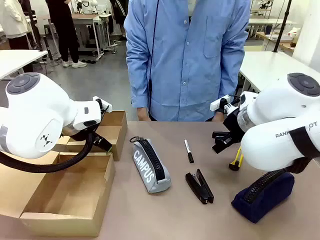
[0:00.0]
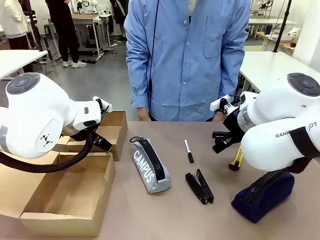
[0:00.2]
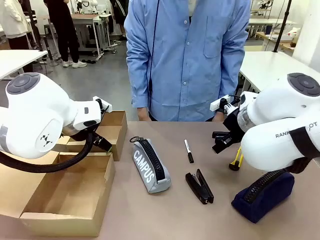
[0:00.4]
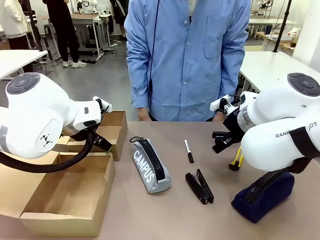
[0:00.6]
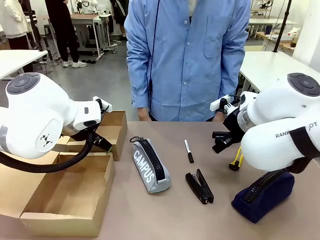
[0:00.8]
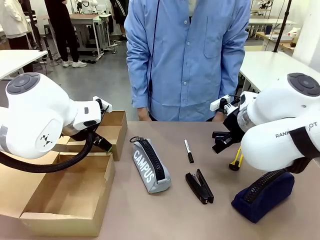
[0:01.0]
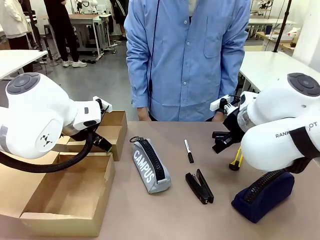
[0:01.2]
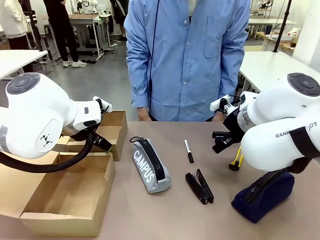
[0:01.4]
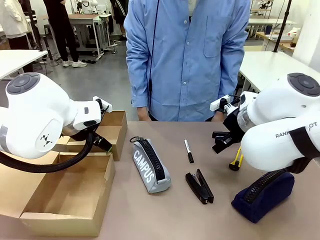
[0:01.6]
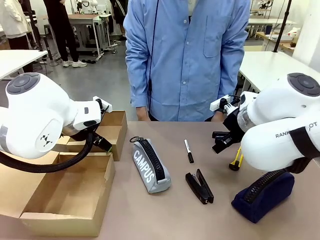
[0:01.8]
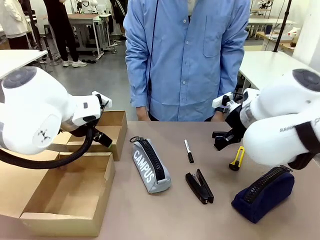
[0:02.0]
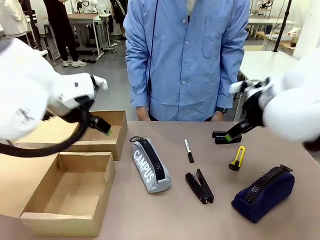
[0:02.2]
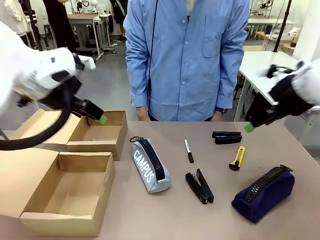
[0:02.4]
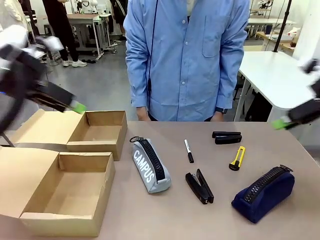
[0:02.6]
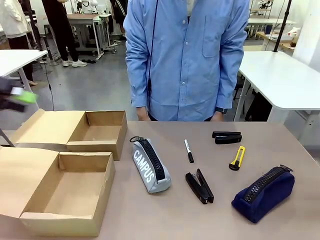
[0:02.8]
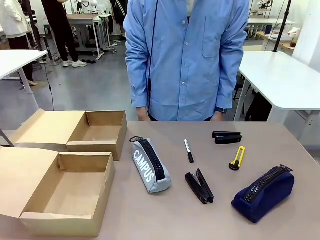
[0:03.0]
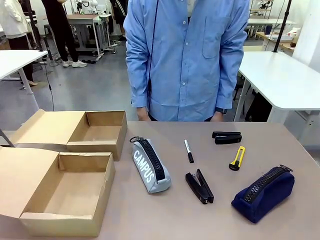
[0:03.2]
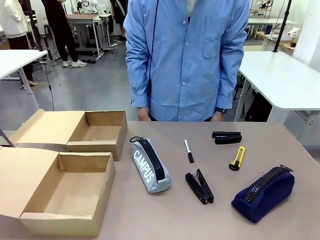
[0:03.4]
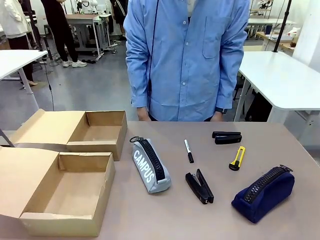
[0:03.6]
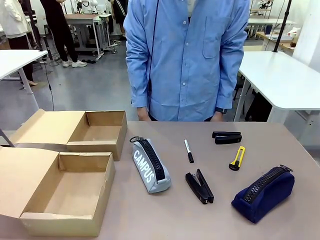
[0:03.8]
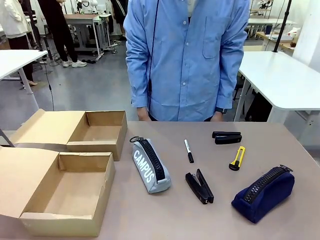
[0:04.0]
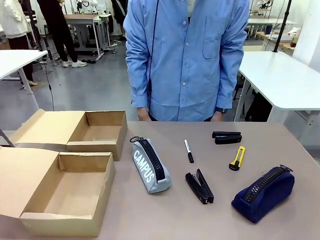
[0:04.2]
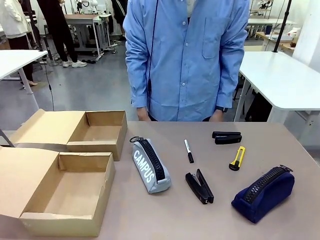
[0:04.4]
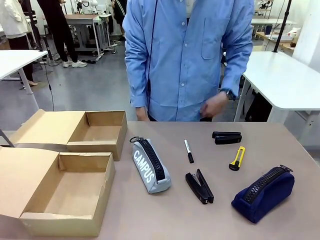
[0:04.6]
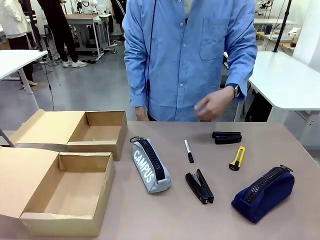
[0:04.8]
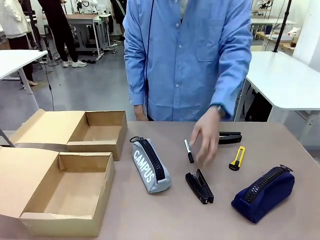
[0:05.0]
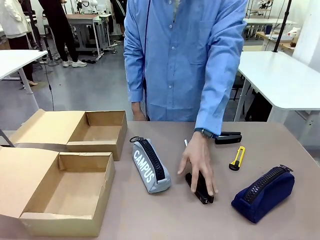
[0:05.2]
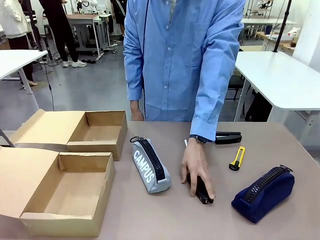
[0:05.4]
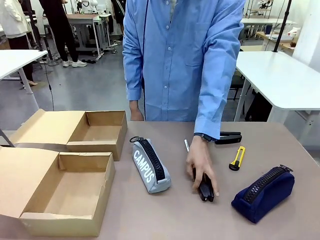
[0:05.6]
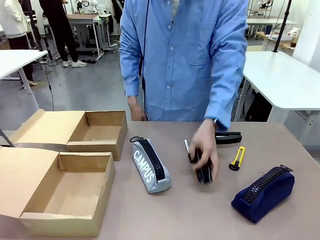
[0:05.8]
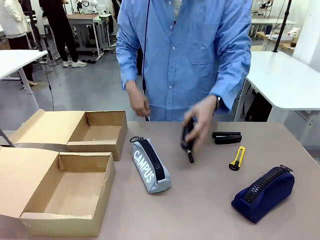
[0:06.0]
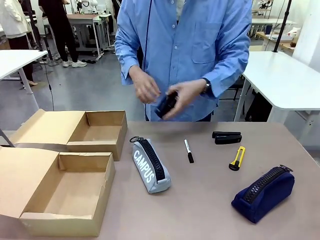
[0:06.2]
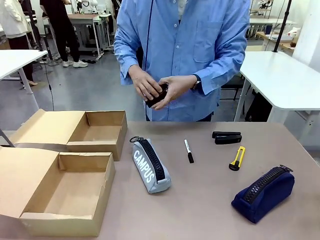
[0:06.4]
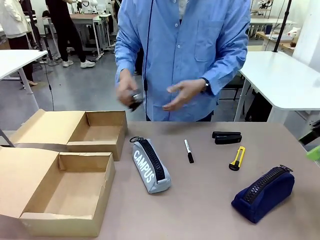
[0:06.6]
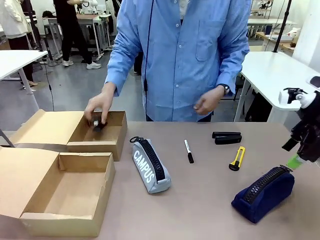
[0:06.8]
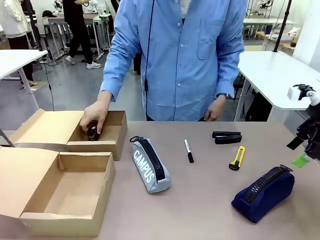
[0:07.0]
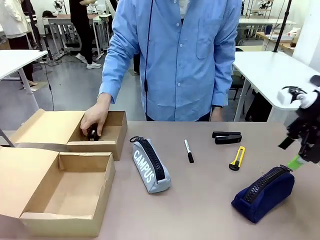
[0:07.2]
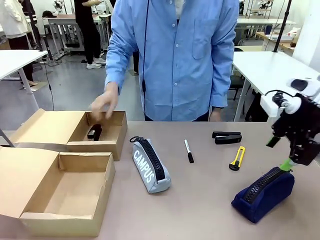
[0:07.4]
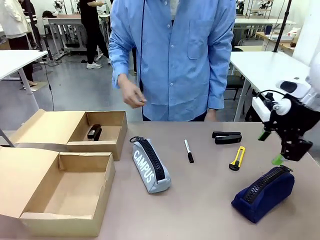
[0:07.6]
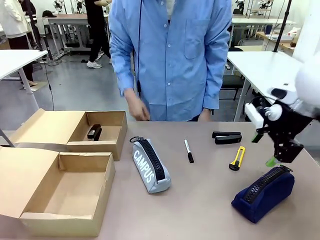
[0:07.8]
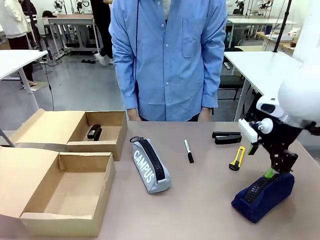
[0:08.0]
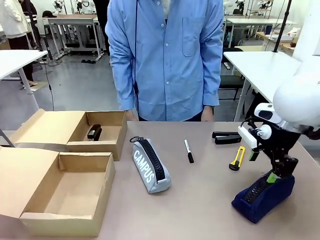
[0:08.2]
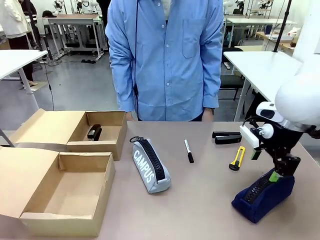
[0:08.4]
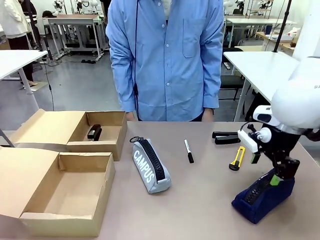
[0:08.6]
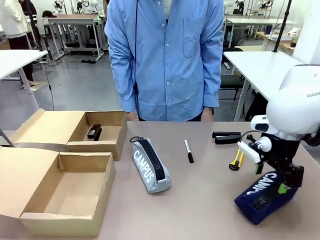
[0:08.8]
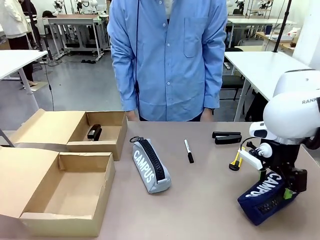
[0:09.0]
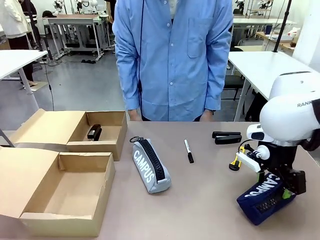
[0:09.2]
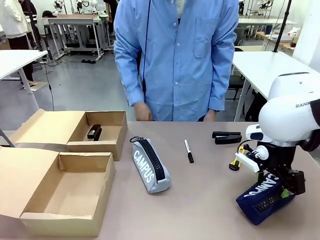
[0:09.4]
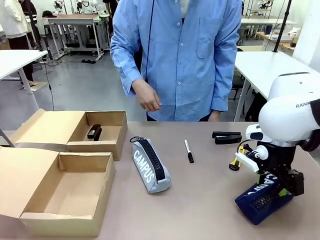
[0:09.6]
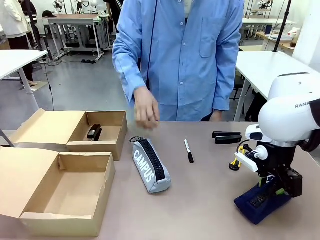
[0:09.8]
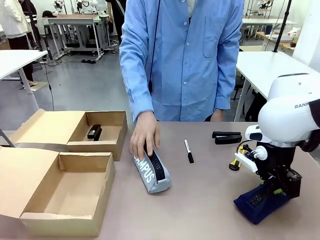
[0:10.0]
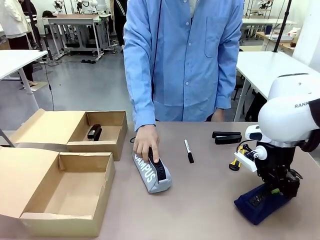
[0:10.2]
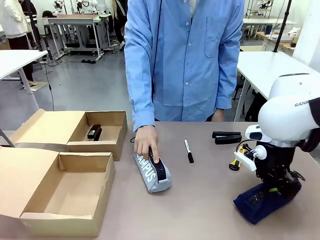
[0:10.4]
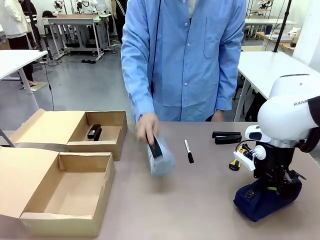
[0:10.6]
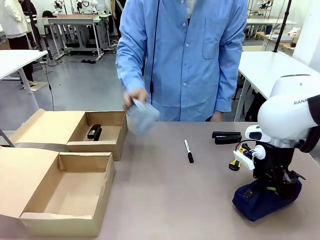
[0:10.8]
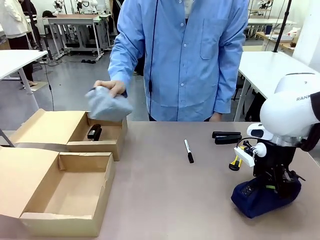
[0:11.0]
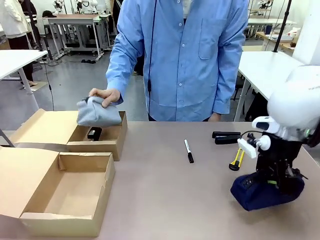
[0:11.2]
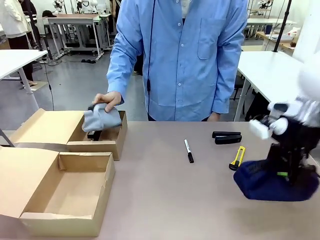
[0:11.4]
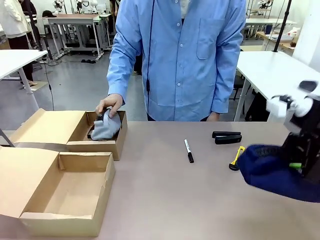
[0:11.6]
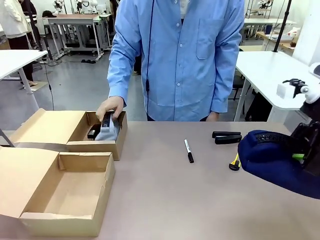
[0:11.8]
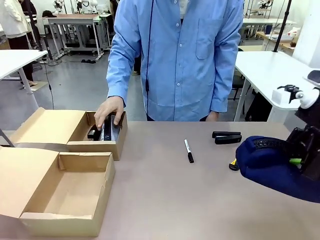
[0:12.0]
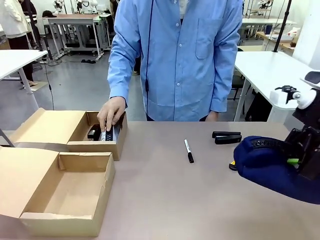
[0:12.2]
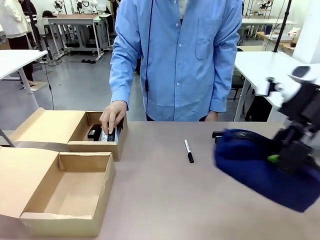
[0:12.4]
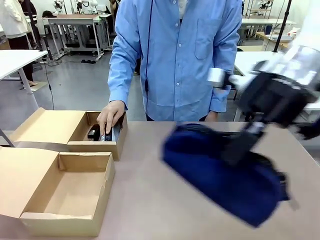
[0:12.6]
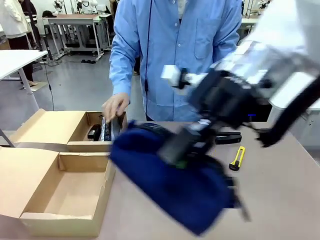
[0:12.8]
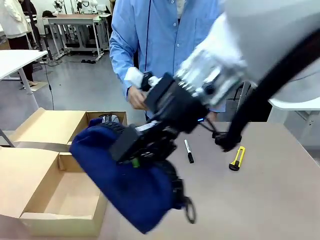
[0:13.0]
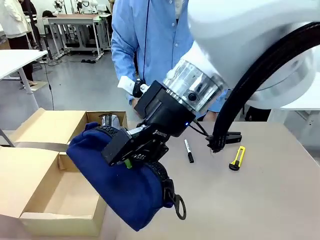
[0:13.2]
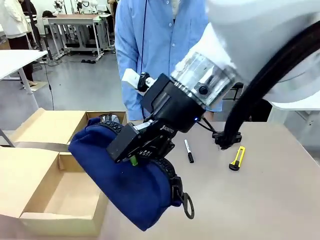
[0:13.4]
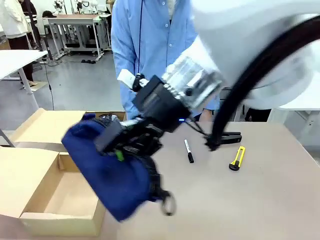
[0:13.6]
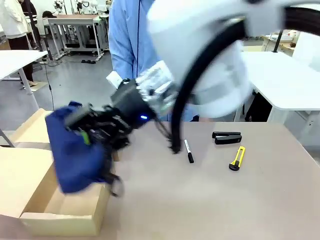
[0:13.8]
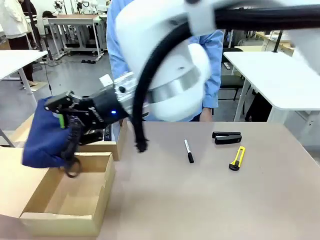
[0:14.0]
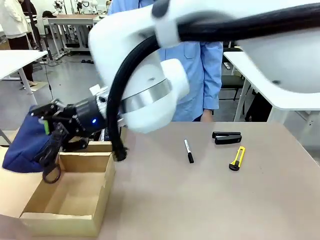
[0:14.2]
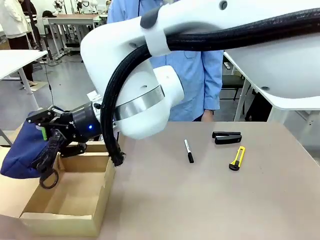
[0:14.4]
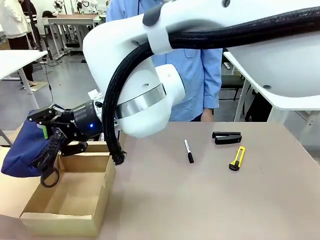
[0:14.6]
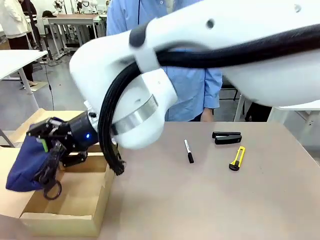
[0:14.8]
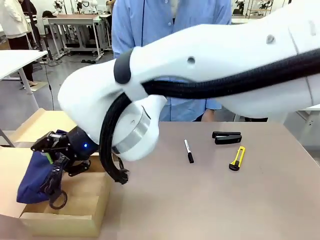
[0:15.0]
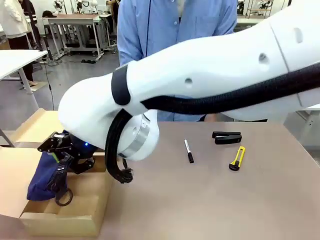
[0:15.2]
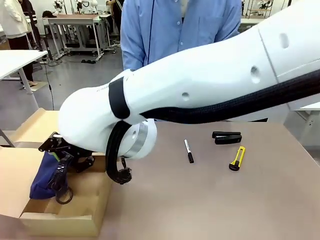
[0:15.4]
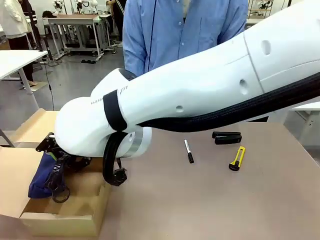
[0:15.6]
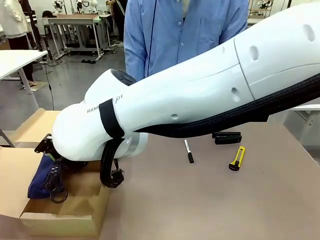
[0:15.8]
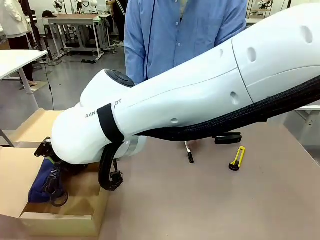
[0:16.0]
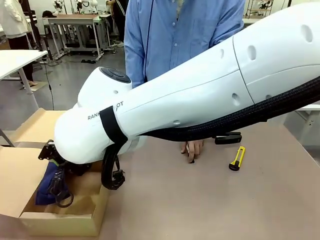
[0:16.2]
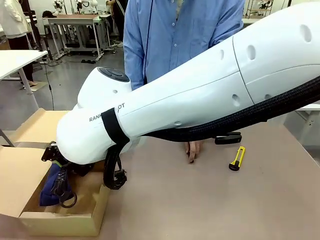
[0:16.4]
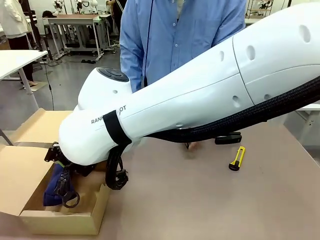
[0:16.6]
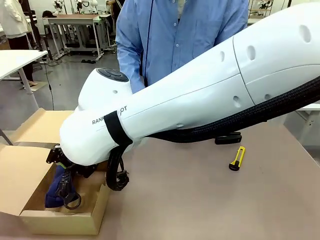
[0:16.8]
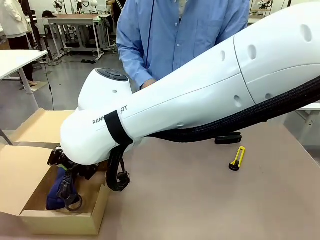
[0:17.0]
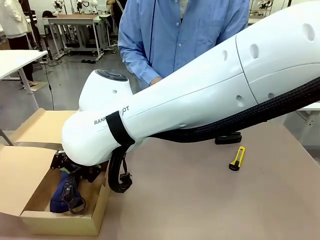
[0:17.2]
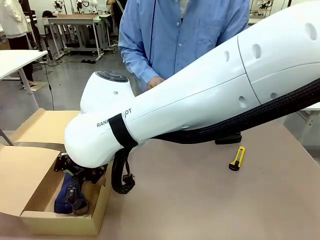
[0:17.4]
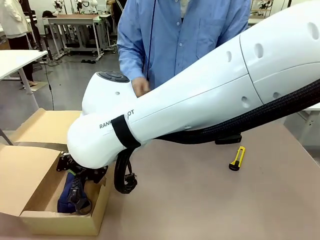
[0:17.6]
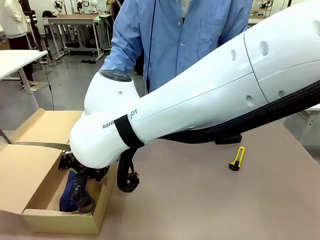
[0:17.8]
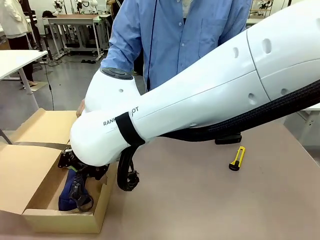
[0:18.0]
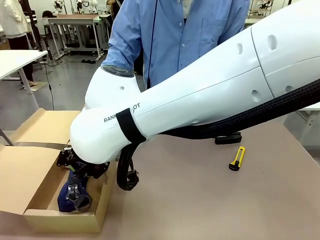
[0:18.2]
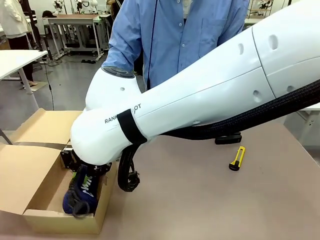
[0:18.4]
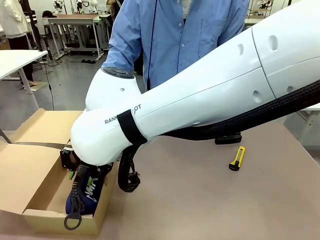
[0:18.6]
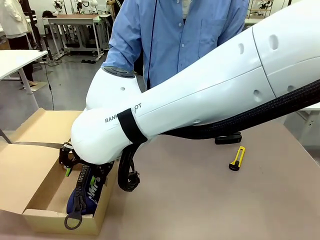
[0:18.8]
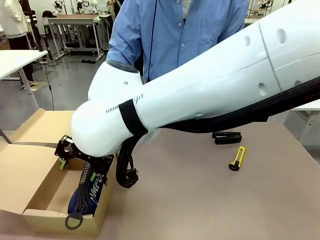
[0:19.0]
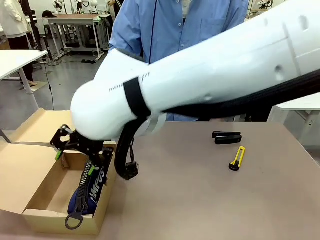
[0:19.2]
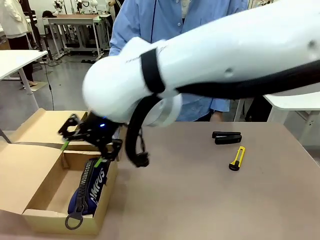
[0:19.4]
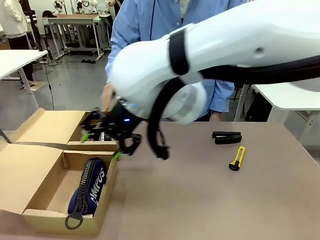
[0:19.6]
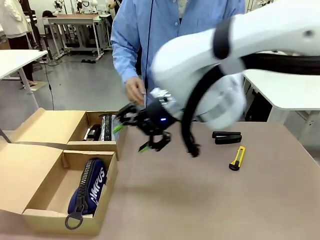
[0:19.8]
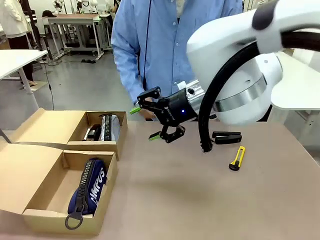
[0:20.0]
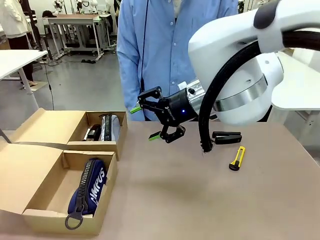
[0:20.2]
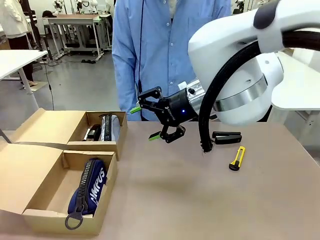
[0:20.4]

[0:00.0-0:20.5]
Task: Place items inside the box.
Robot: Pick up a Pencil pouch or Stapler and place it inside the Mailer Box closest to the robot.
Person: Pick up an object on the table and put it in the box.
